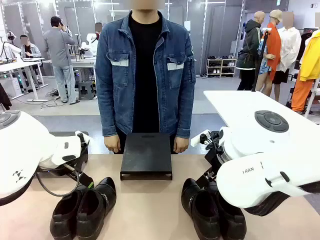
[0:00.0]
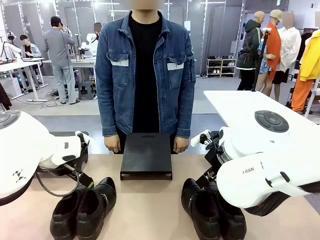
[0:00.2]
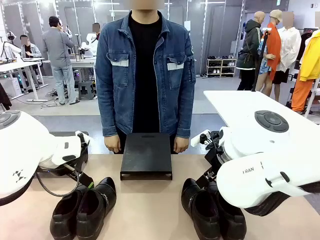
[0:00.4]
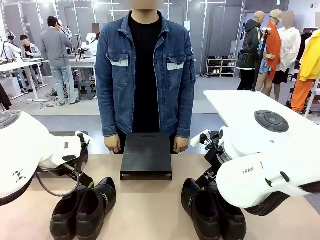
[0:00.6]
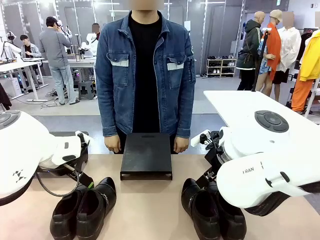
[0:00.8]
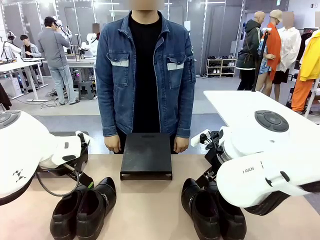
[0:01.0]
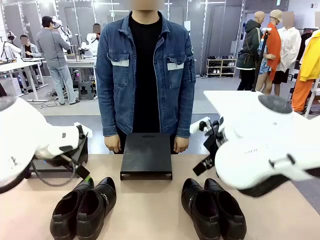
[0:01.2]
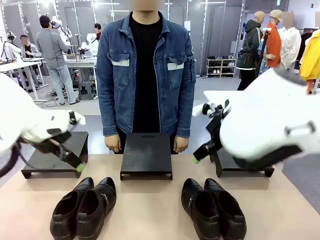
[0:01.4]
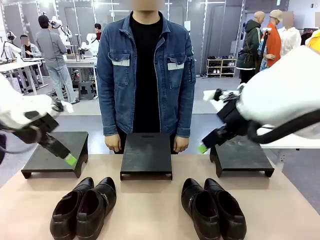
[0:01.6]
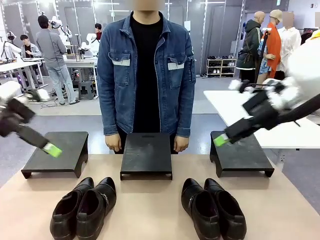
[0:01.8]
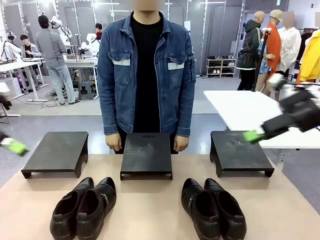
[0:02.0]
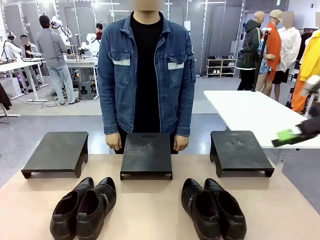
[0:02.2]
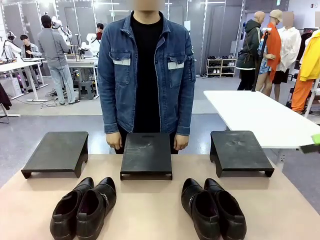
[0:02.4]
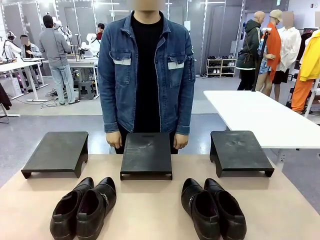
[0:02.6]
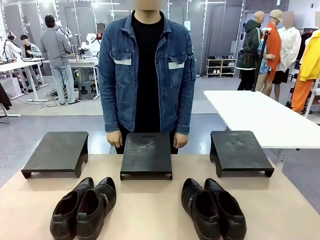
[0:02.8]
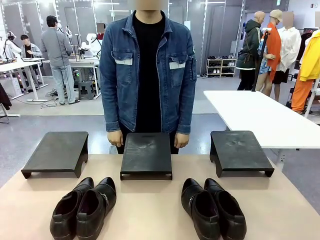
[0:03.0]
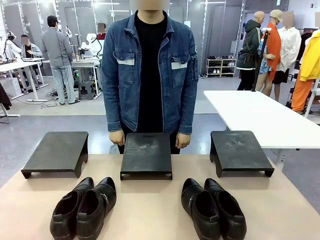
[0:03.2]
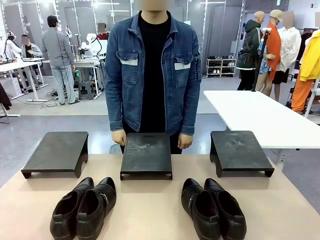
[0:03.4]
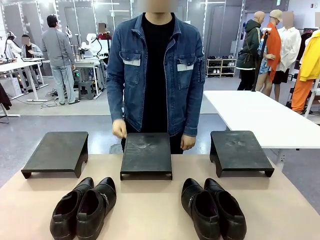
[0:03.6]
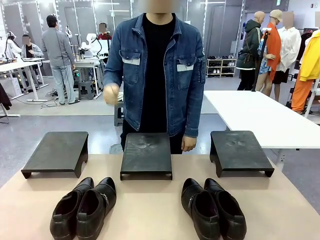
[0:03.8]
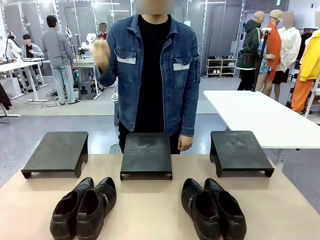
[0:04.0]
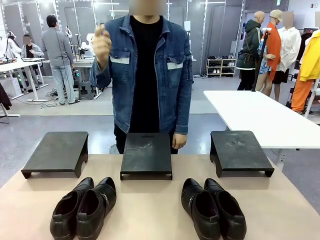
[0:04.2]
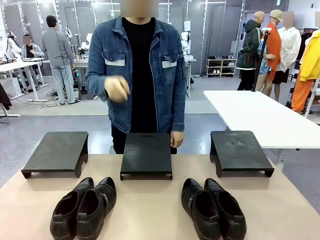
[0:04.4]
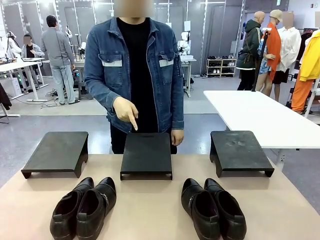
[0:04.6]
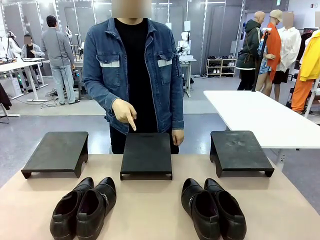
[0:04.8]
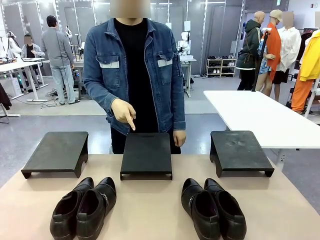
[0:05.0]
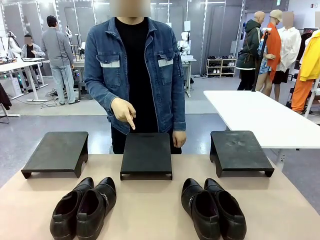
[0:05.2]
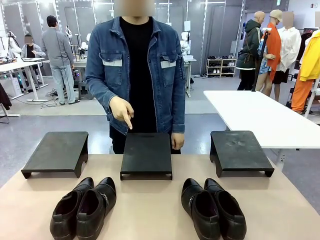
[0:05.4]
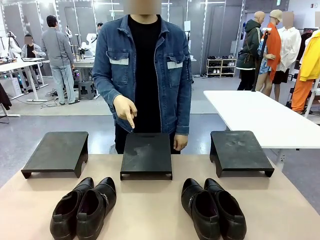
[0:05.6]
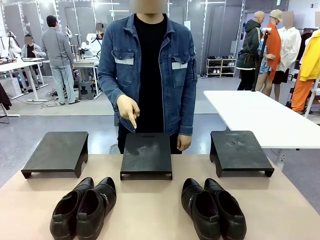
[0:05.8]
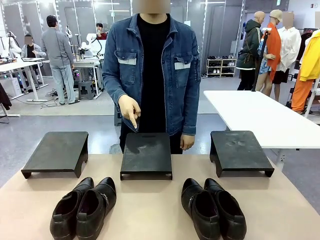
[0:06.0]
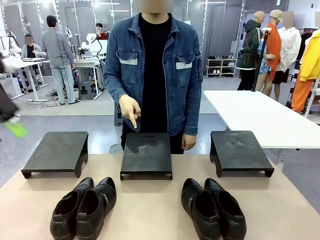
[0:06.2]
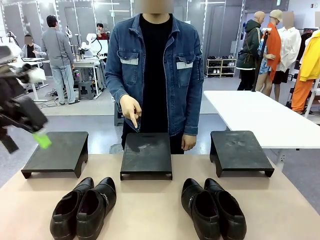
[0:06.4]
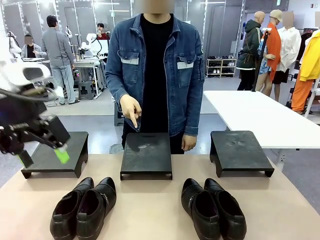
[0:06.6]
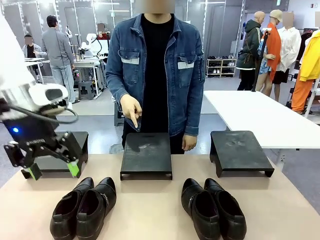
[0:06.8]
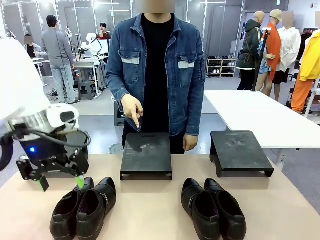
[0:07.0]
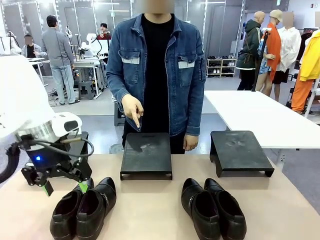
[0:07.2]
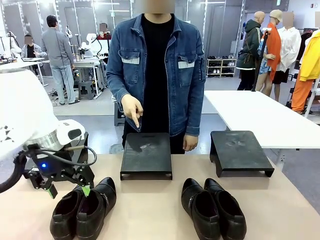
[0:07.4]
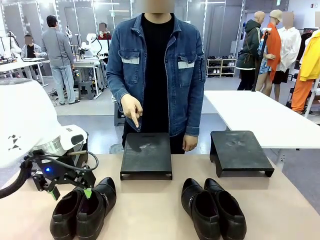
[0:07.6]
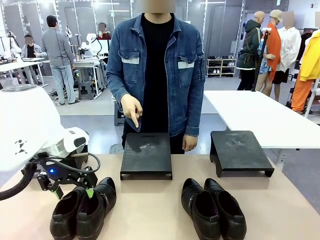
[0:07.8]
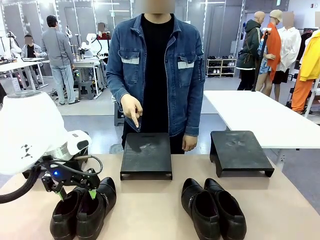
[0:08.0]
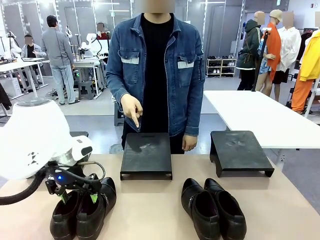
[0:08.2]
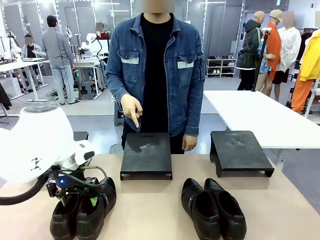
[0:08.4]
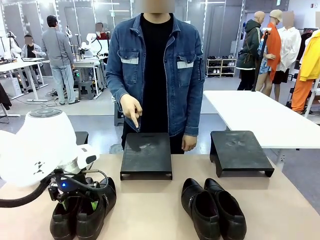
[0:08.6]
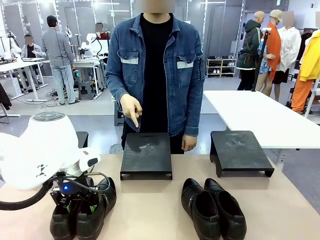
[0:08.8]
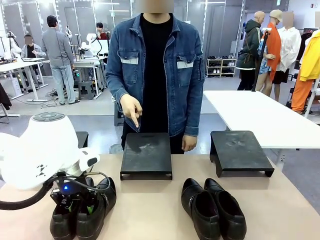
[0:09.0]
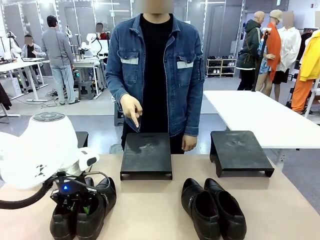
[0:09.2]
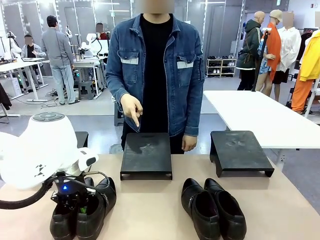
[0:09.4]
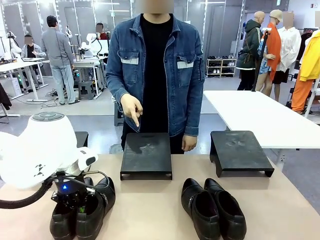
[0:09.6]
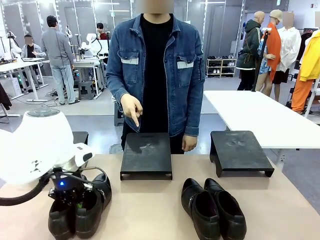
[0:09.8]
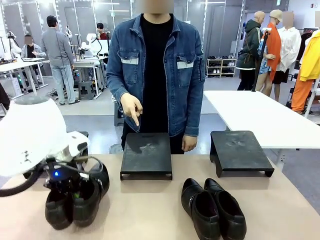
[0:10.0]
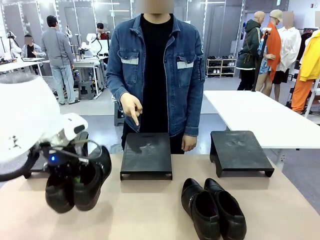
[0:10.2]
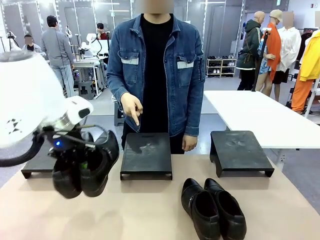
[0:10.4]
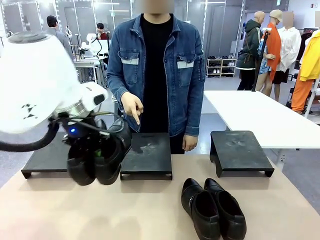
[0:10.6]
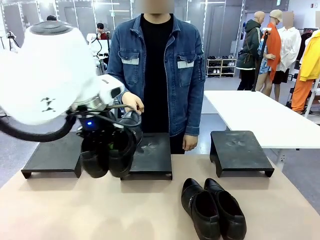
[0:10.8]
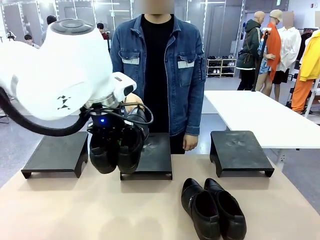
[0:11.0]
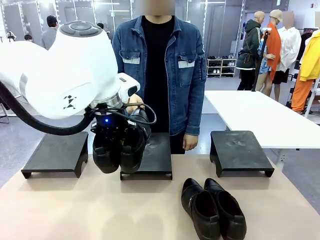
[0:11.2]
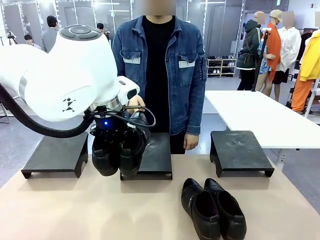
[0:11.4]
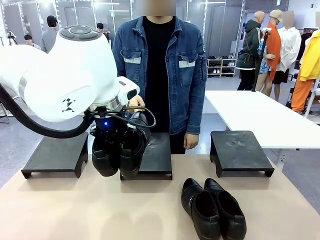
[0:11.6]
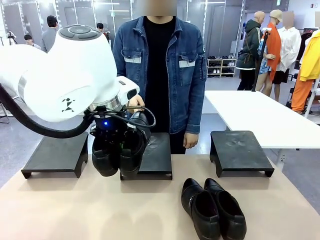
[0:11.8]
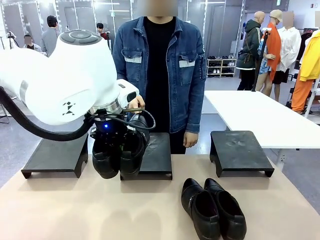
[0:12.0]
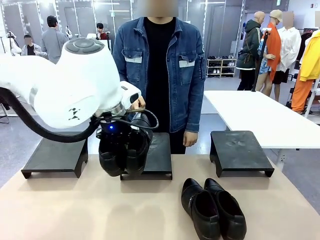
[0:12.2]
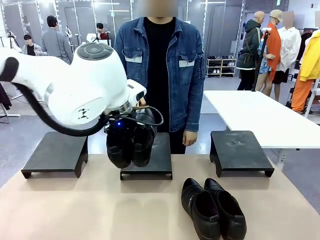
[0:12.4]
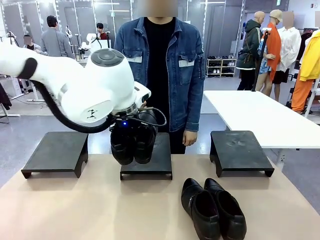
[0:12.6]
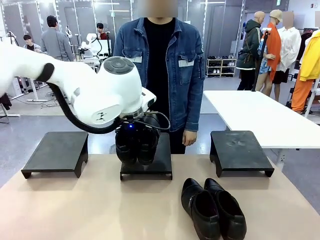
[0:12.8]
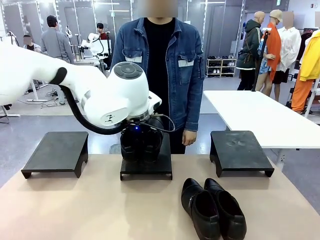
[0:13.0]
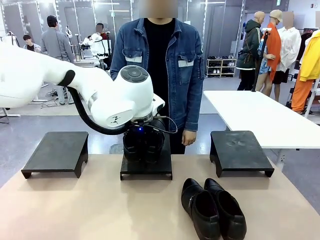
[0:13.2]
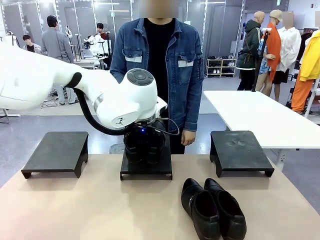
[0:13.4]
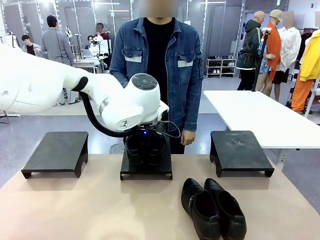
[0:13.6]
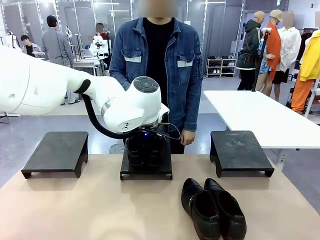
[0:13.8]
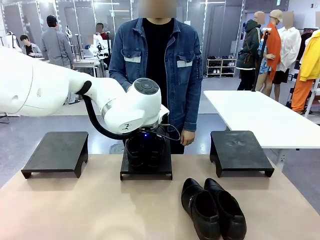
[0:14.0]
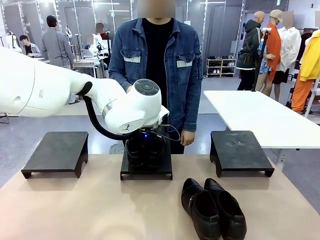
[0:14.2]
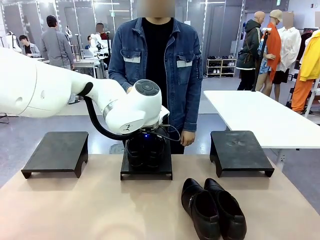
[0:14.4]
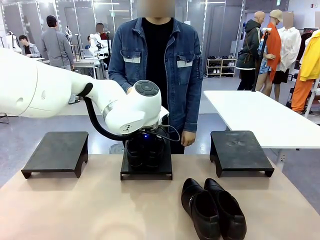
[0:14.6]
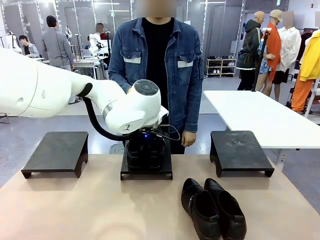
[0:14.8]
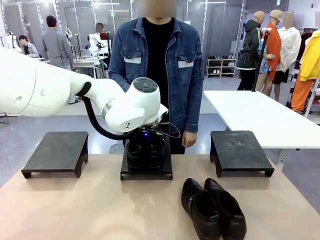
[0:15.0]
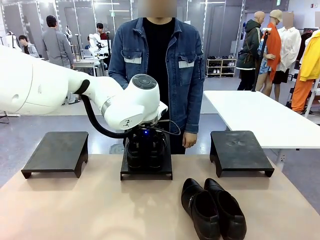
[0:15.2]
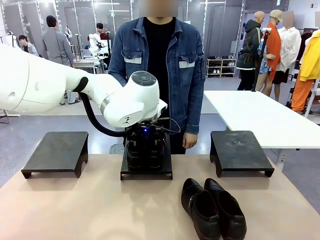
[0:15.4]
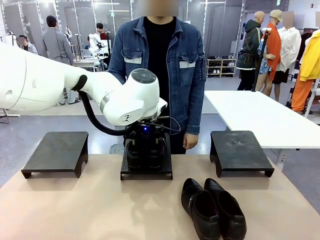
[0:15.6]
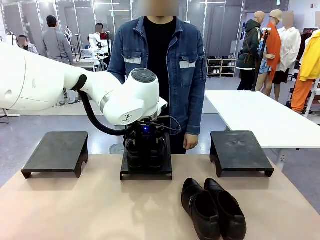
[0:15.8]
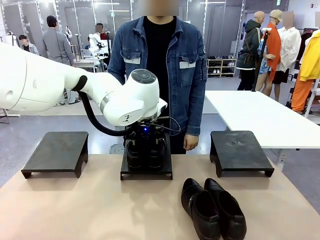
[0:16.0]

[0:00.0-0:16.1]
Task: Place the shoes on the stand as instructed by the person.
Robot: Pick up one pair of Shoes and place it on the Shoes Stand indicated by the person.
